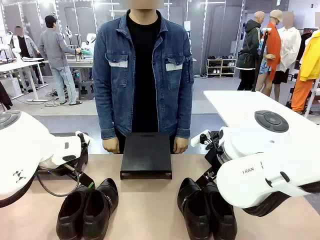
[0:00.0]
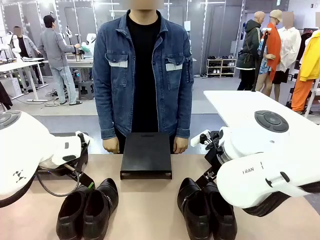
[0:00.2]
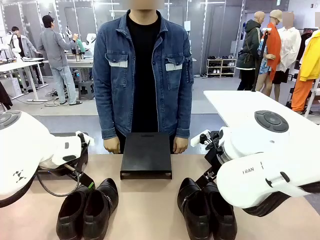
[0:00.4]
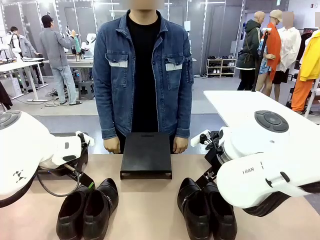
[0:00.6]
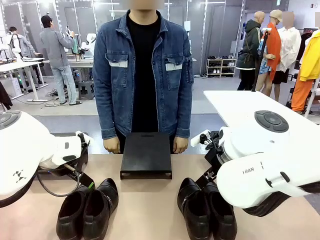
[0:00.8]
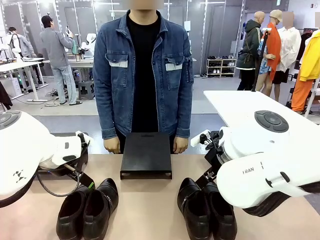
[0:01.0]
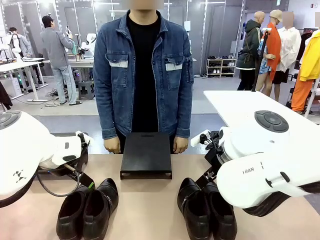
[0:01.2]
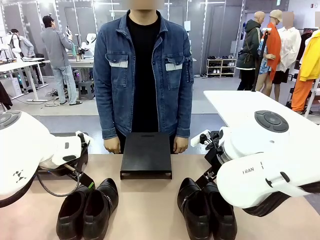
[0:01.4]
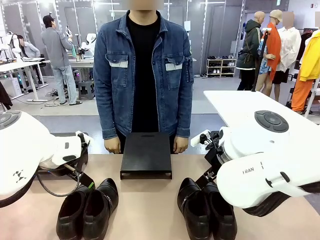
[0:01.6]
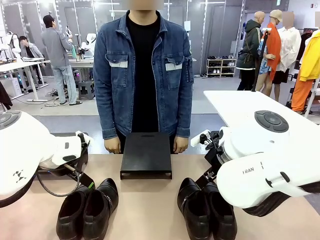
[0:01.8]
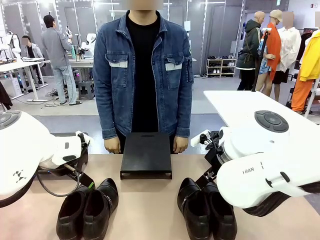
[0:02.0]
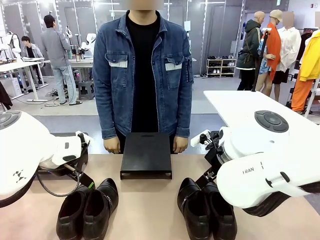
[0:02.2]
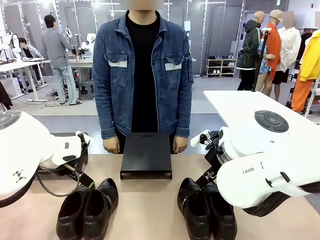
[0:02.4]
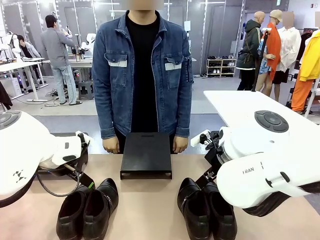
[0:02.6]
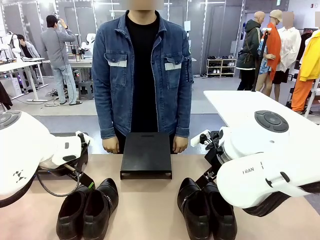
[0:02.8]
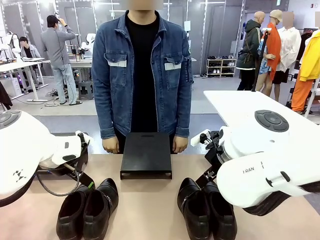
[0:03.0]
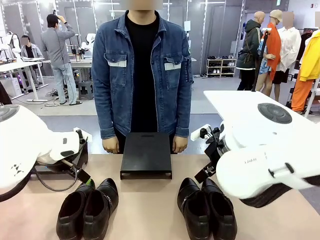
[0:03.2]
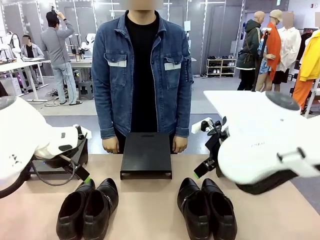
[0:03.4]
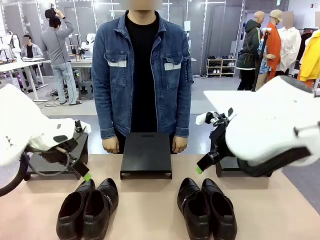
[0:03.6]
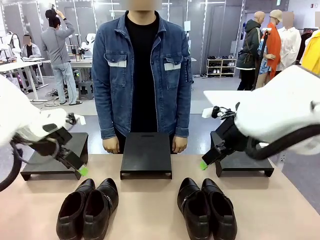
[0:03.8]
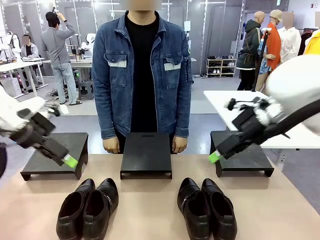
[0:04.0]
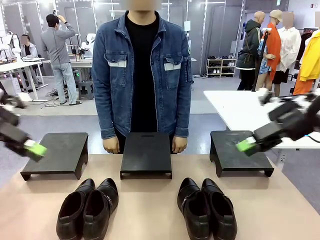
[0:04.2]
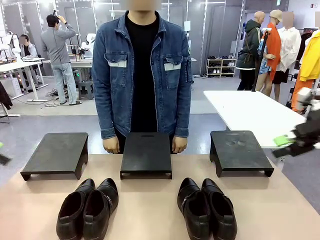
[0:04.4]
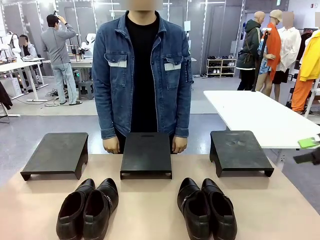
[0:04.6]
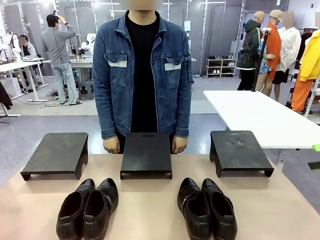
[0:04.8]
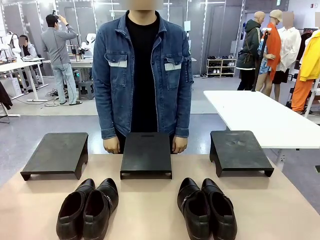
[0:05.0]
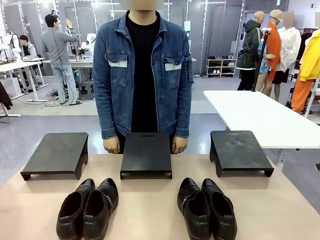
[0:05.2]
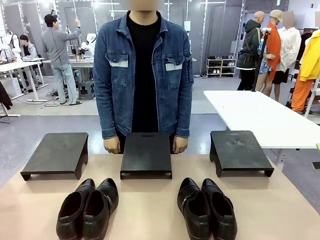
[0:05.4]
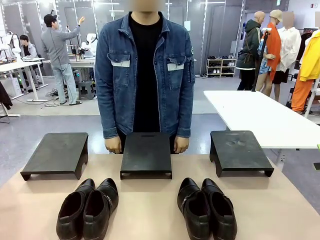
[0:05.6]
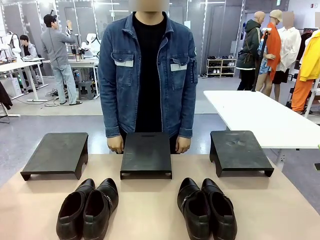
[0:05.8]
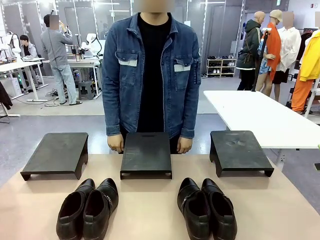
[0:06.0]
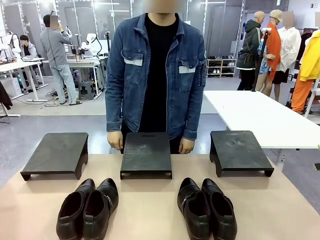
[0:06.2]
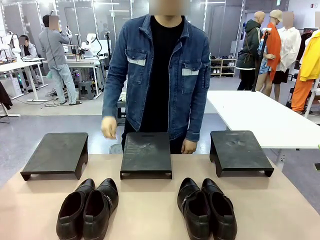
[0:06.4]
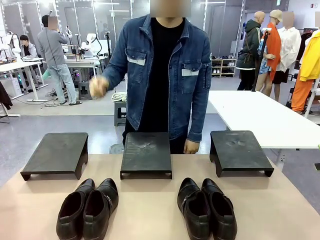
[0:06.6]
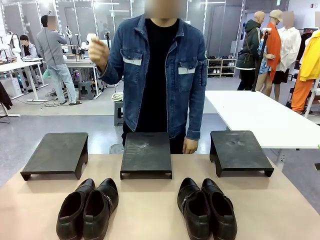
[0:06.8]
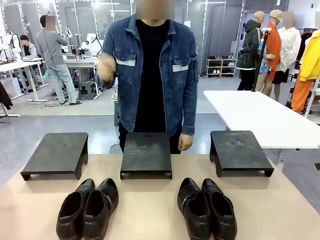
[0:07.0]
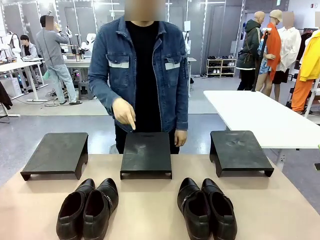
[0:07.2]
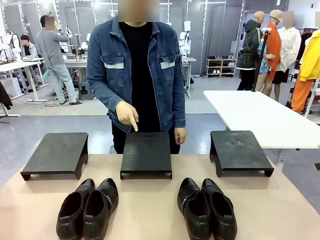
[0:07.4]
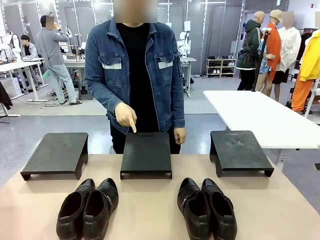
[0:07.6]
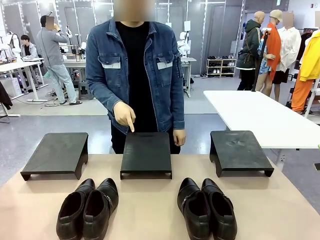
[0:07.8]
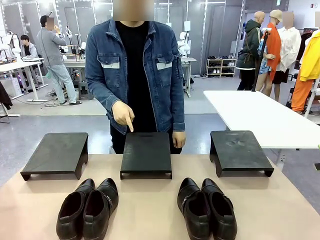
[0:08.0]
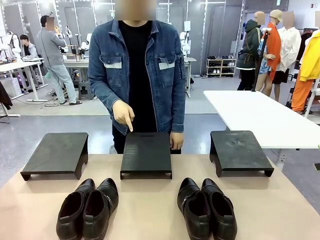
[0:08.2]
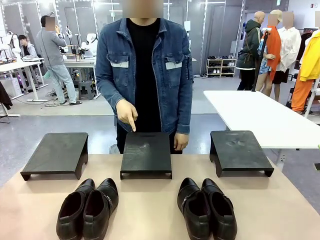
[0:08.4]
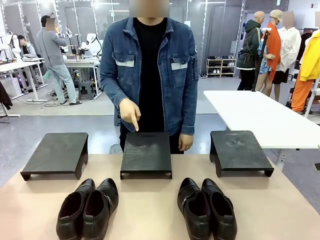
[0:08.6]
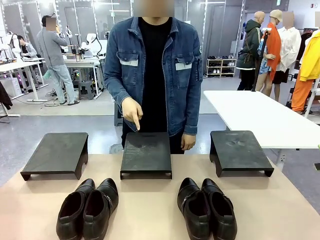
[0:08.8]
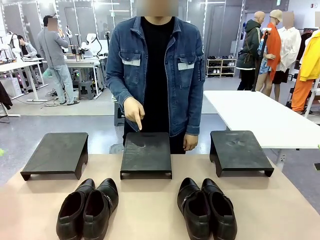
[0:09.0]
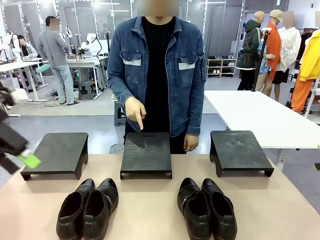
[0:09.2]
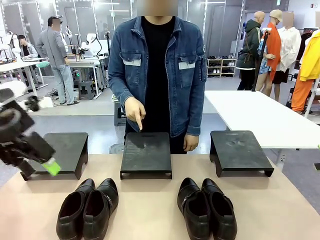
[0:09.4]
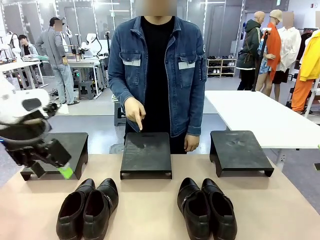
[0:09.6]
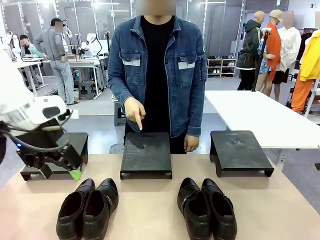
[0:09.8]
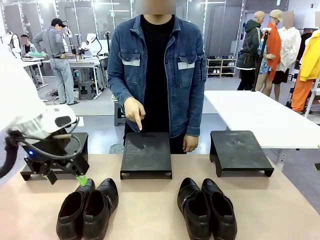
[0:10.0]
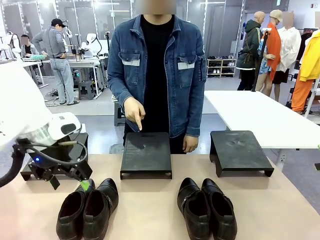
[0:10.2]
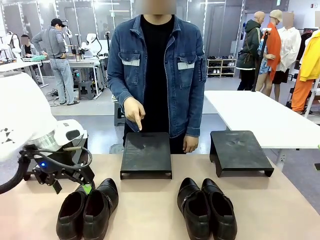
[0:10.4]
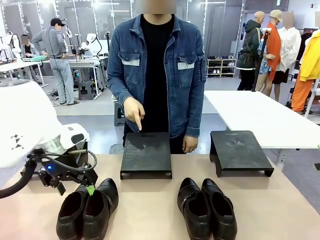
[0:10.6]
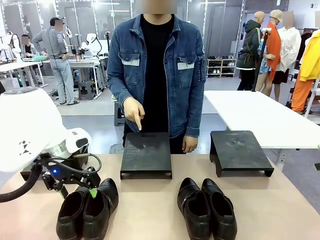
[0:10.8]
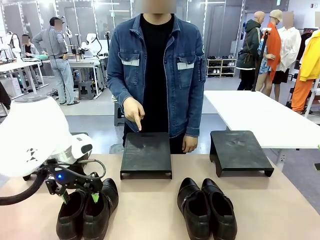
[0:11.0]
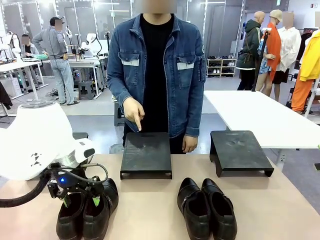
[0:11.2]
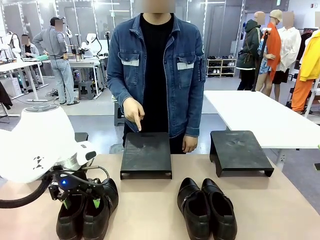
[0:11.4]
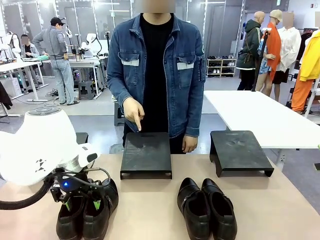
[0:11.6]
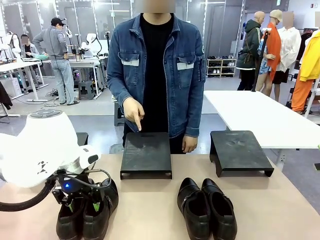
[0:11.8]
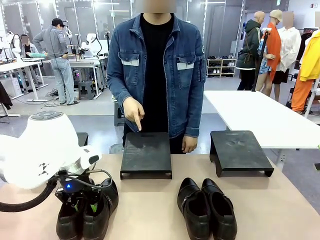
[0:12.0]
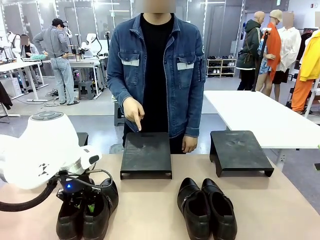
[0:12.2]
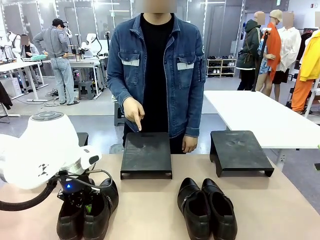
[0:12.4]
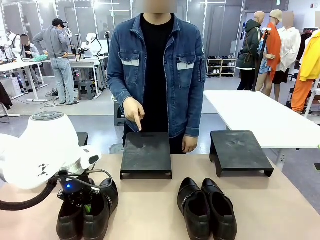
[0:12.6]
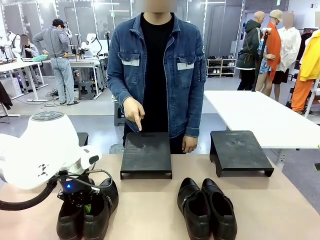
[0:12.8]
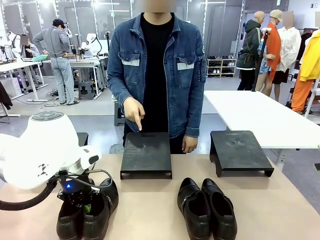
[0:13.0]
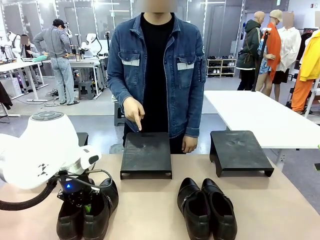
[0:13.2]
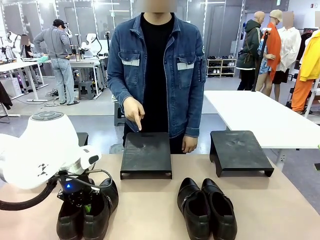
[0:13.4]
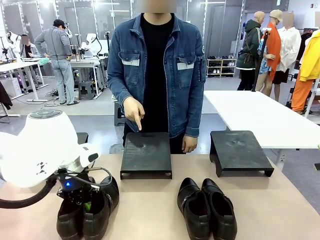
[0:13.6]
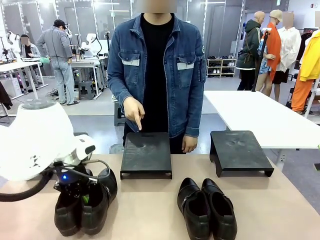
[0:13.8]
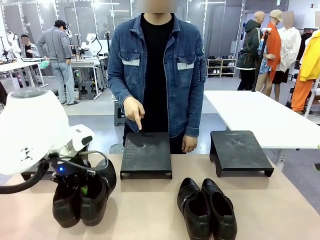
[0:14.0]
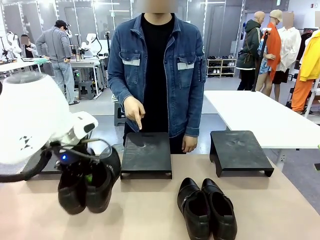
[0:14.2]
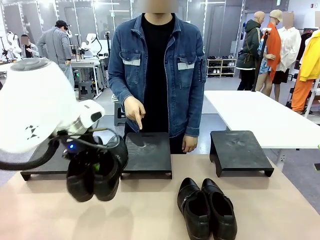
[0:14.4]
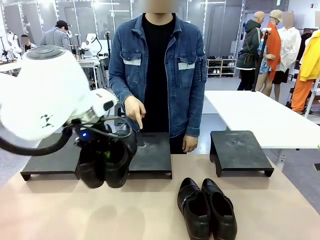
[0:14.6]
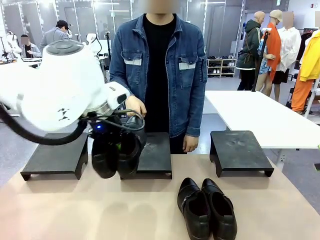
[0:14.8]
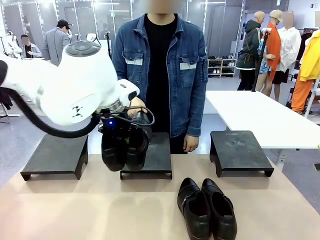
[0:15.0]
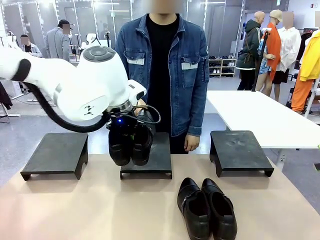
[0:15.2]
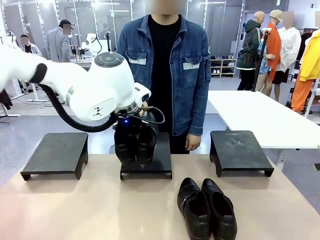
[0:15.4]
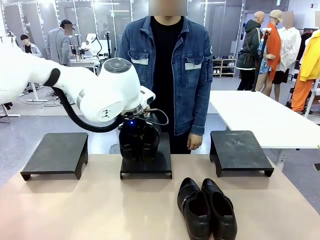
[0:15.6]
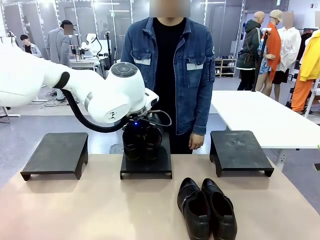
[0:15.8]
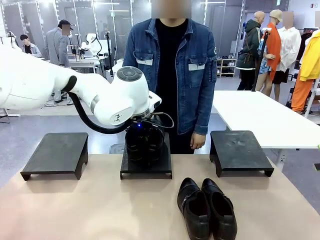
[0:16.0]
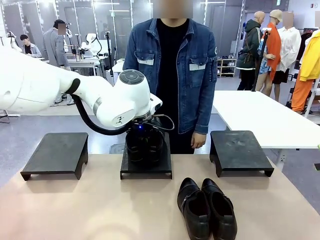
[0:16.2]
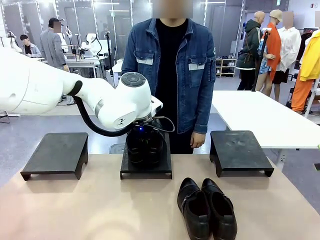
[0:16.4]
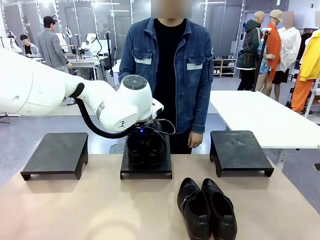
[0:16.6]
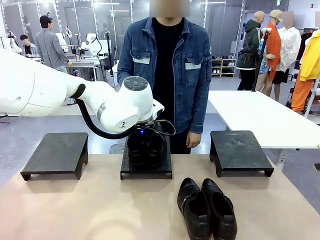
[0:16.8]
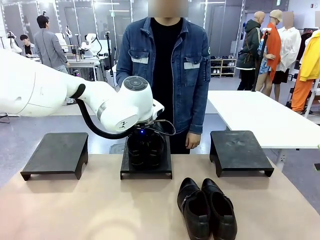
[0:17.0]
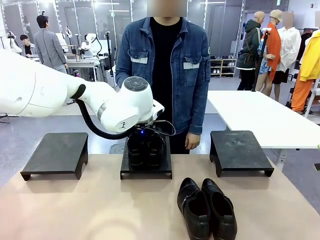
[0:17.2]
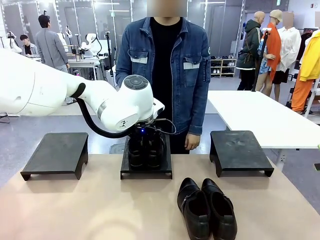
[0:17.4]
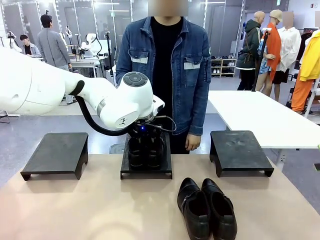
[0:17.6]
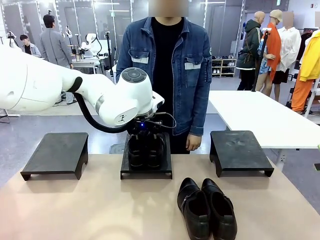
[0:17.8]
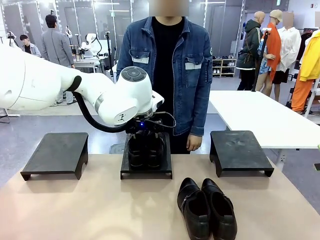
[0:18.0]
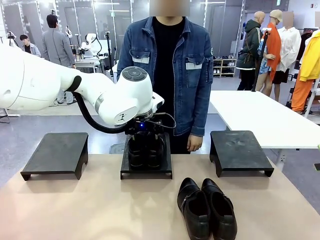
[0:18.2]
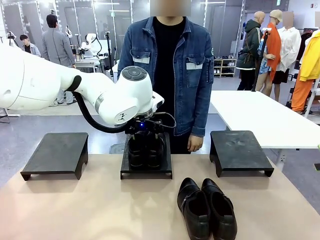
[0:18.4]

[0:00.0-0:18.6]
Task: Place the shoes on the stand as instructed by the person.
Robot: Pick up one pair of Shoes and place it on the Shoes Stand indicated by the person.
